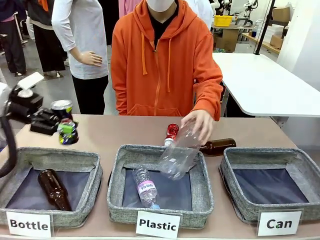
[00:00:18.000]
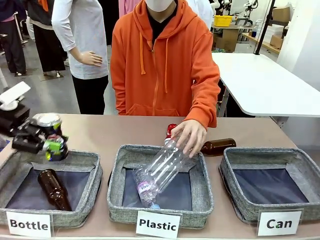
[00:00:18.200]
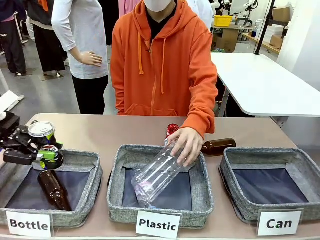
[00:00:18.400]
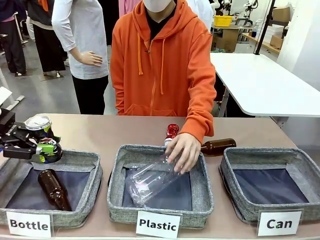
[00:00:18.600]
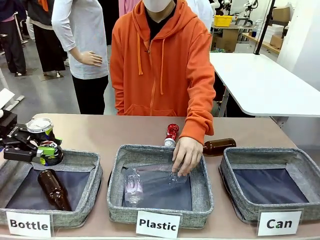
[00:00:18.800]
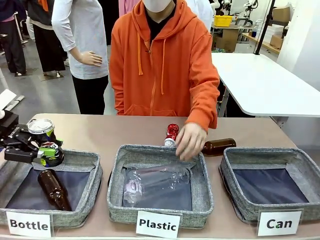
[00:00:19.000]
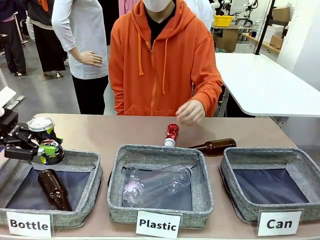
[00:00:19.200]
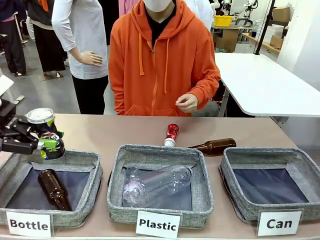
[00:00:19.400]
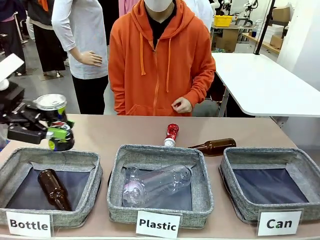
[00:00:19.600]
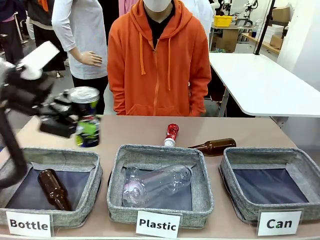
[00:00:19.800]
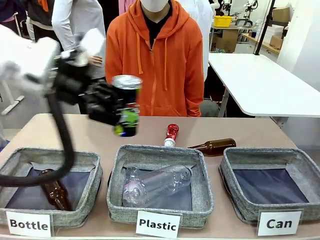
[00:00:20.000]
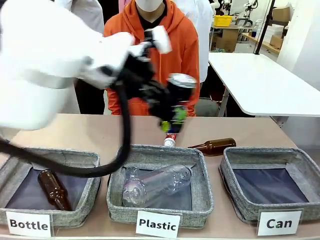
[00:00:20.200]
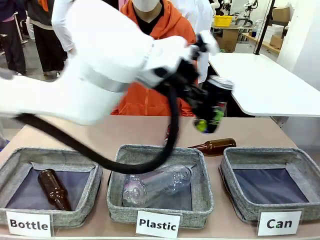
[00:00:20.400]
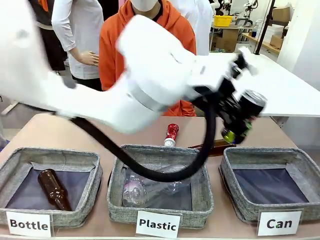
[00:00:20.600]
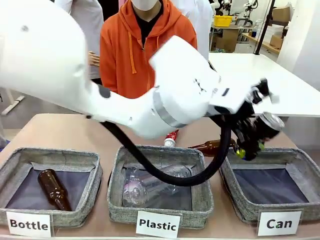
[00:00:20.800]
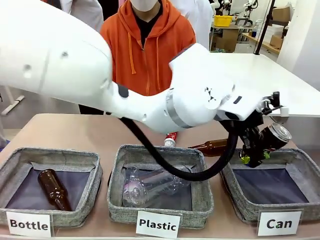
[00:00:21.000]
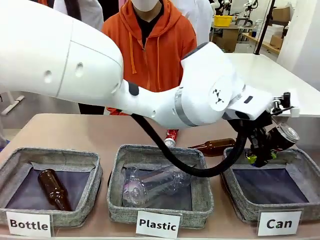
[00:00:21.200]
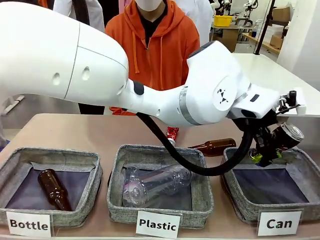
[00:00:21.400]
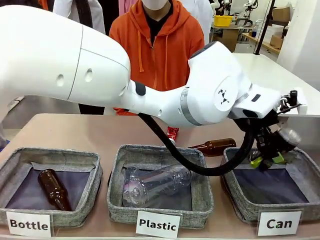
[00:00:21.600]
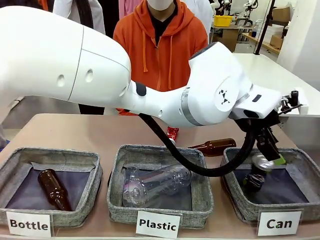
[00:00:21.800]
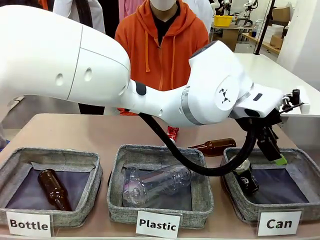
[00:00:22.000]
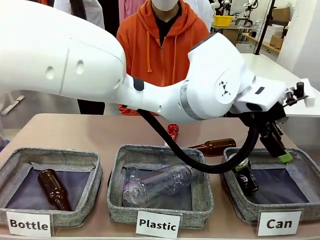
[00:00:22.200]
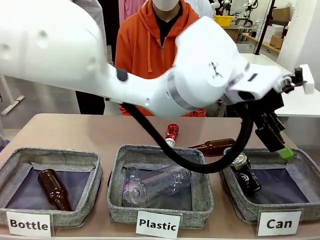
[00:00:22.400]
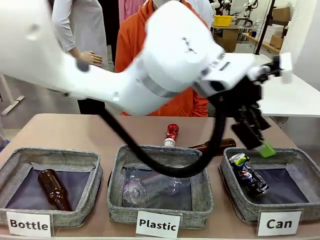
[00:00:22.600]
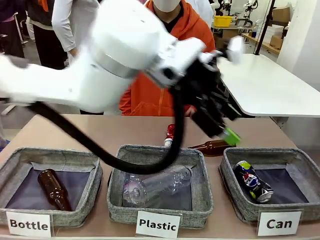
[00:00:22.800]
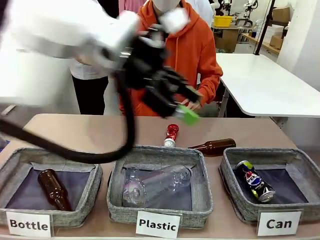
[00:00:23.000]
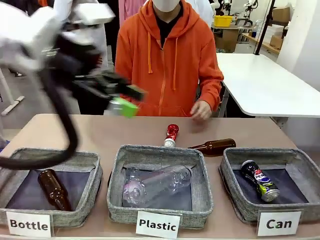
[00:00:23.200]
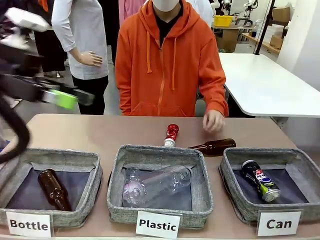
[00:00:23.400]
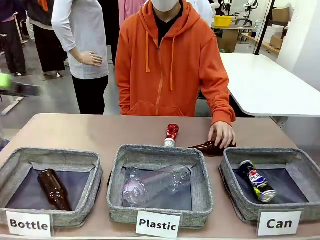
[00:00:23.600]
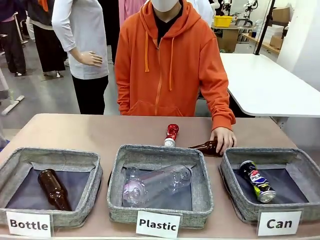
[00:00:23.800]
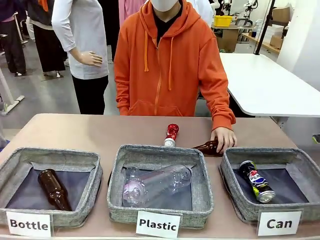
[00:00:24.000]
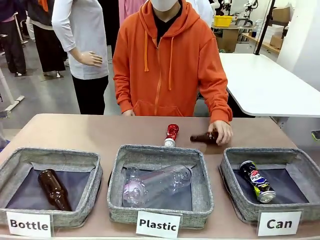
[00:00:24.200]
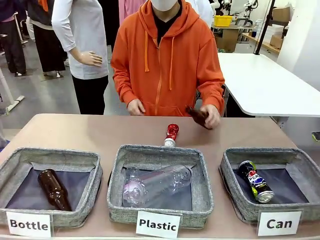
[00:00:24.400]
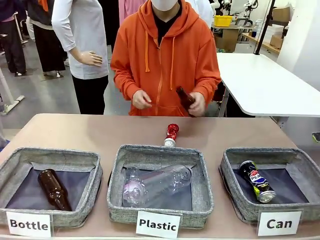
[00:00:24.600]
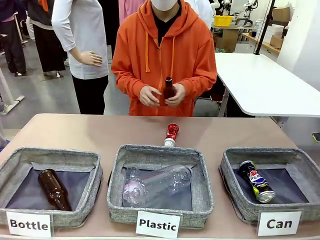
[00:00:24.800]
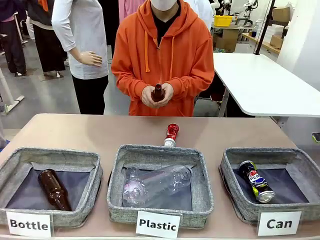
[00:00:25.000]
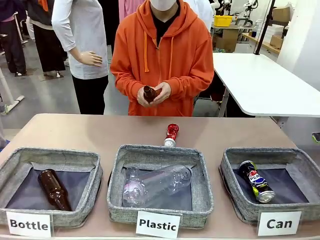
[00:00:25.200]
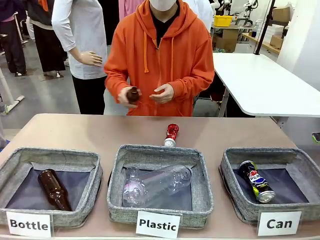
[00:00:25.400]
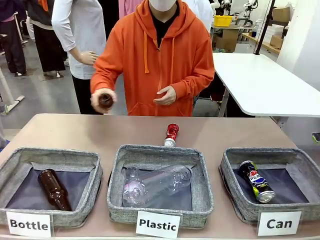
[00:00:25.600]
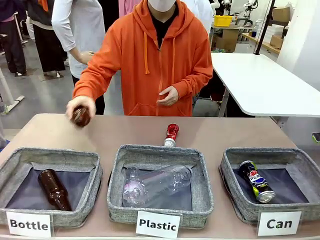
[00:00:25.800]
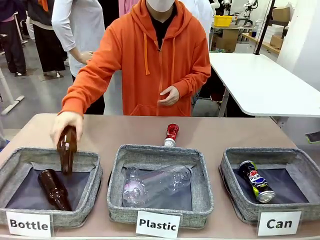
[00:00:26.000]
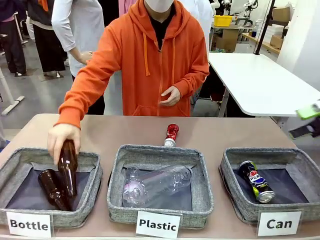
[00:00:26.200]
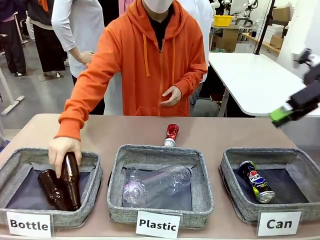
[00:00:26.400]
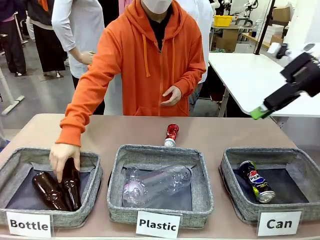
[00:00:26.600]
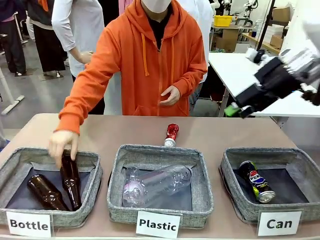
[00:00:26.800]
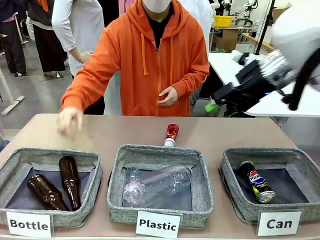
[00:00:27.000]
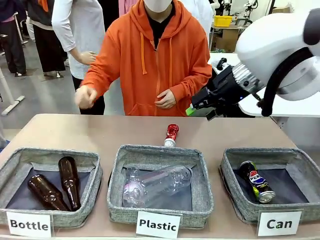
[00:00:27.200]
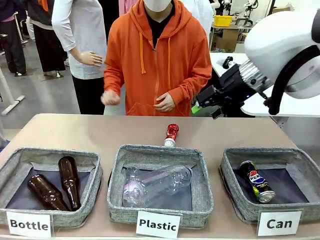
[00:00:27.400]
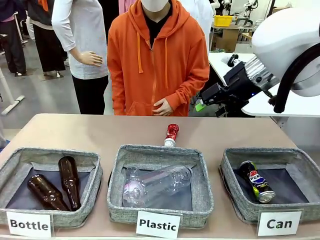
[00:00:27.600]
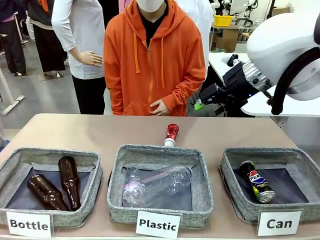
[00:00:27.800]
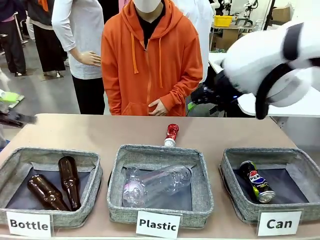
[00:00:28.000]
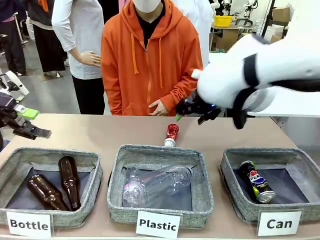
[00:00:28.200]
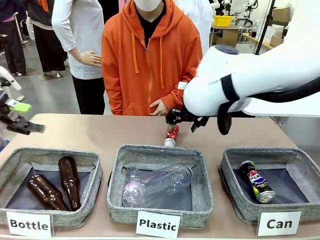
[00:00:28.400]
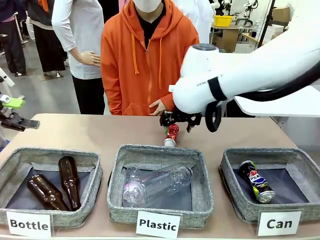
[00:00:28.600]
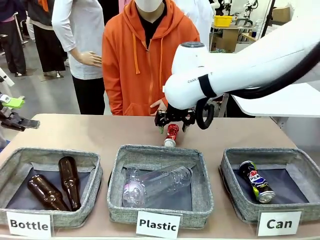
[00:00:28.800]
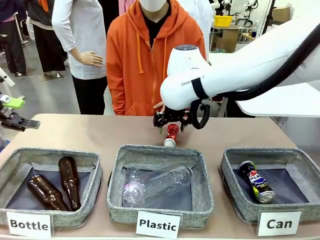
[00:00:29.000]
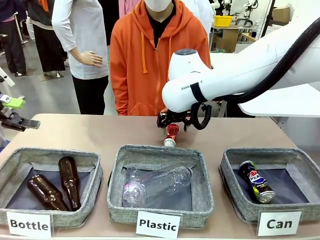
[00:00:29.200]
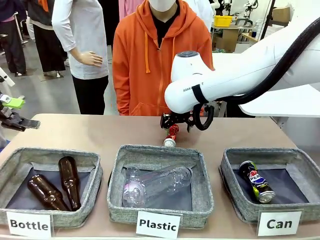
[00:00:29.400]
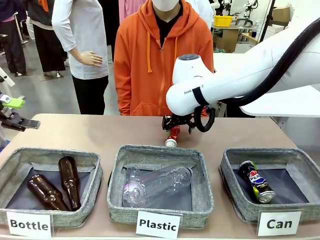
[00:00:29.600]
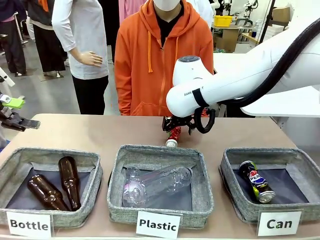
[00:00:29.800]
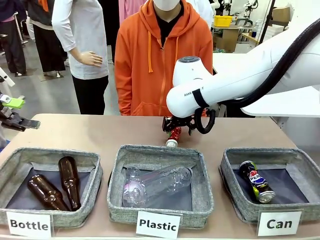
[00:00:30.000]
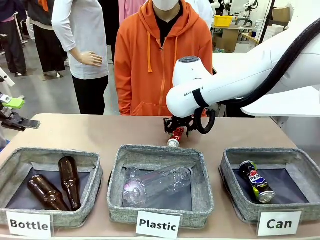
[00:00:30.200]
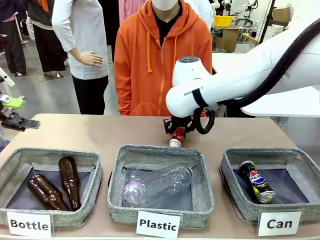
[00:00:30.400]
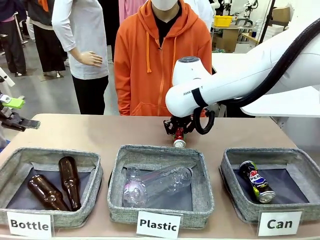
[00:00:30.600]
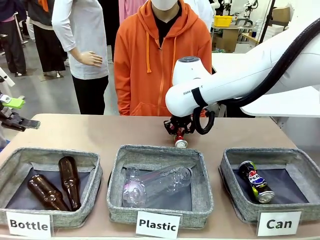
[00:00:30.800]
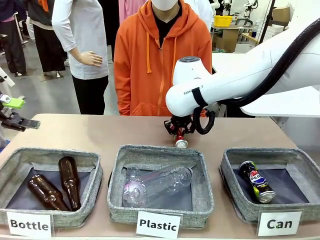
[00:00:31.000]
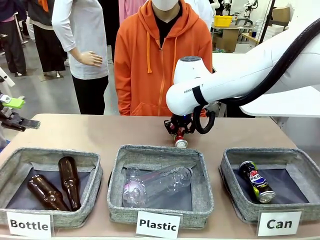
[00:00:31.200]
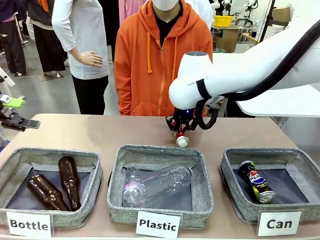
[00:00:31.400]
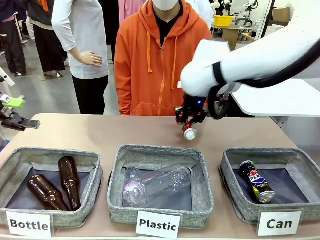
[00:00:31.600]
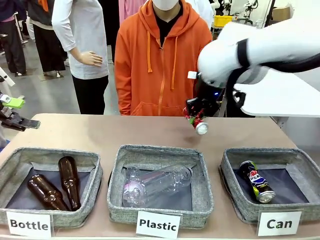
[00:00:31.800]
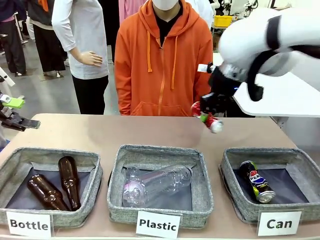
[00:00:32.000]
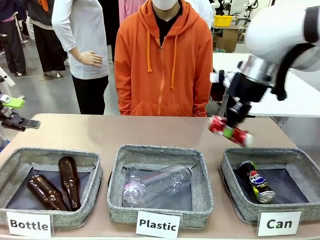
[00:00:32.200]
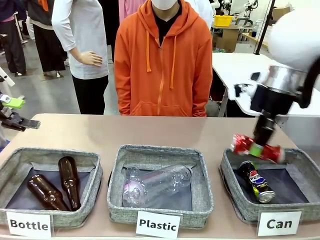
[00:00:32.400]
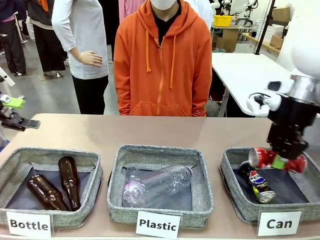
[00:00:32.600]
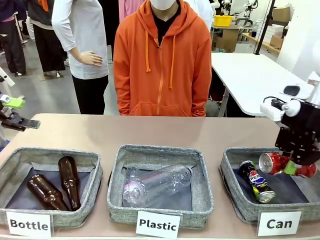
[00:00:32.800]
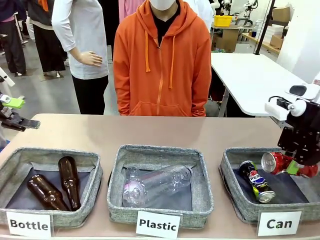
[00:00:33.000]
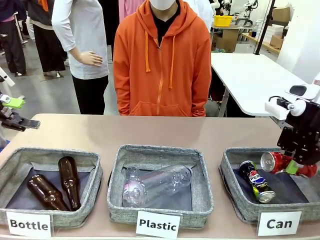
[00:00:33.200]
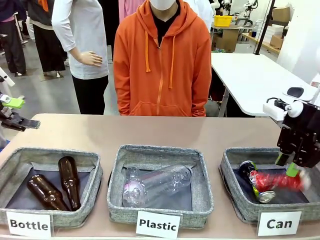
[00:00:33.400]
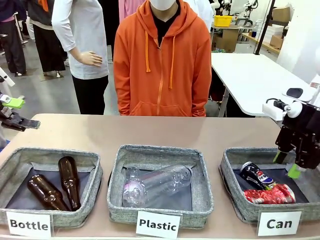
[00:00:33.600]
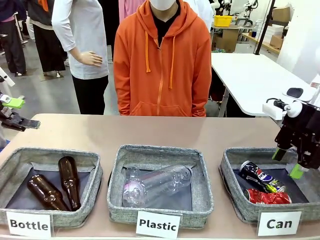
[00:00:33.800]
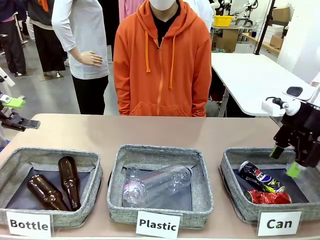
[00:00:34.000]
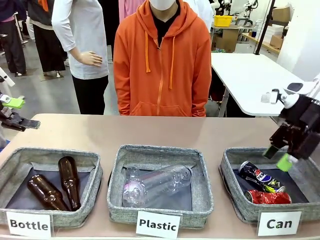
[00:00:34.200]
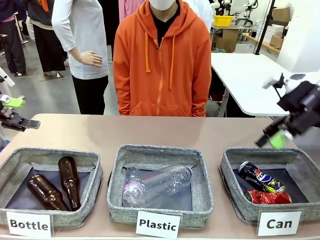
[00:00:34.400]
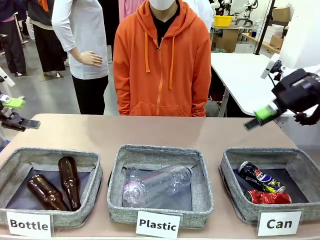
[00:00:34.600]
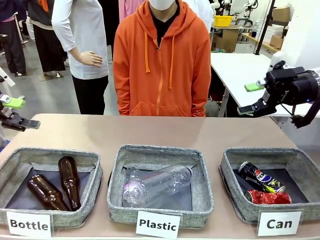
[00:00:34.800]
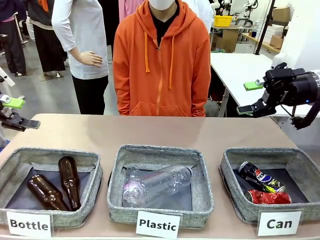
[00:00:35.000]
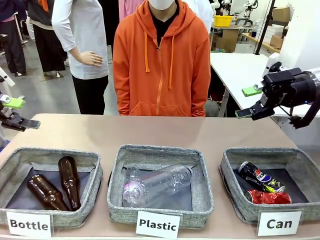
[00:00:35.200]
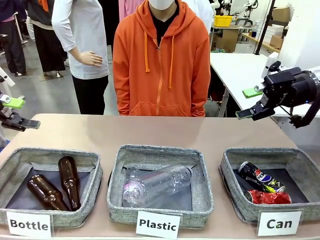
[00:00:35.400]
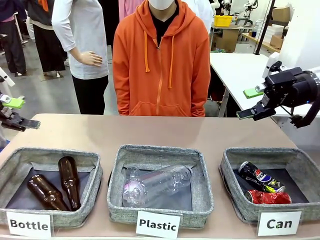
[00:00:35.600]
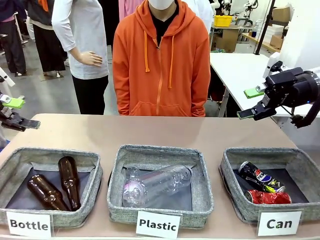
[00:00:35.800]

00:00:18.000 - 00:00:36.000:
Task: Sort the can waste into the basket.
Robot: Pick up the can waste from the table and place it in the right Fabric basket.
